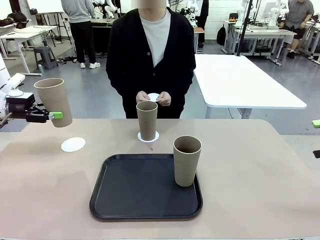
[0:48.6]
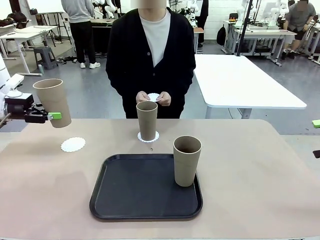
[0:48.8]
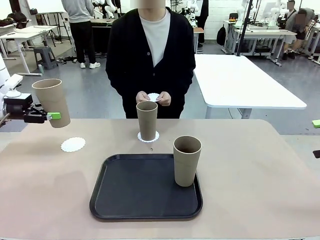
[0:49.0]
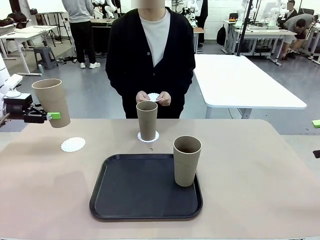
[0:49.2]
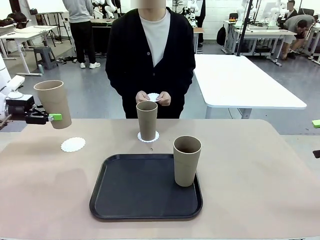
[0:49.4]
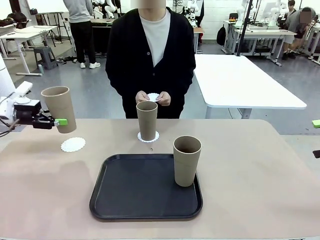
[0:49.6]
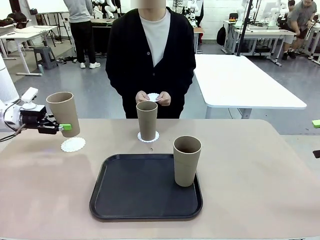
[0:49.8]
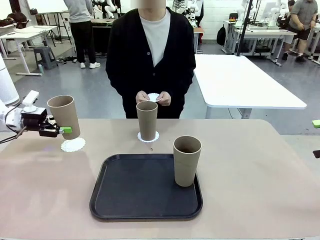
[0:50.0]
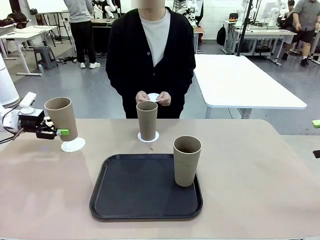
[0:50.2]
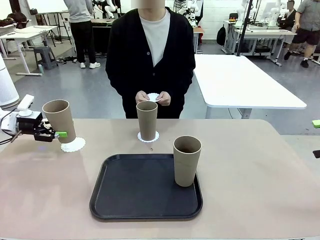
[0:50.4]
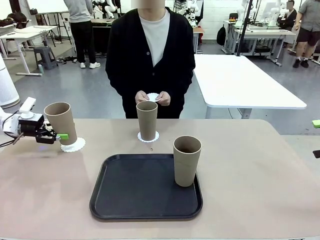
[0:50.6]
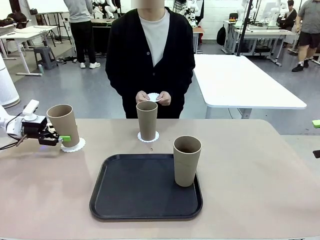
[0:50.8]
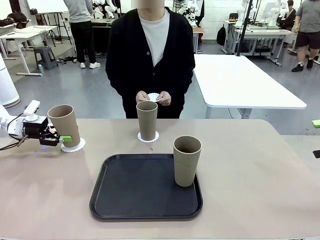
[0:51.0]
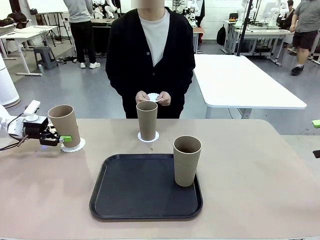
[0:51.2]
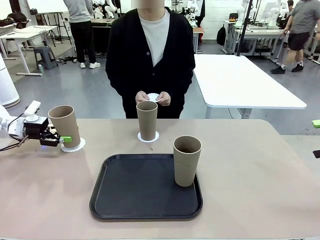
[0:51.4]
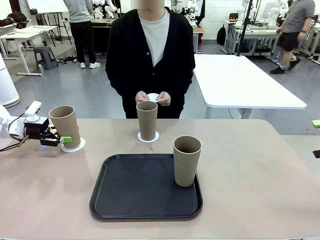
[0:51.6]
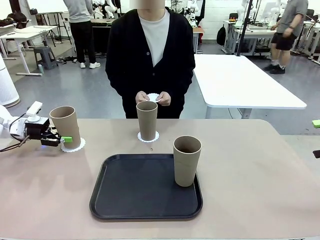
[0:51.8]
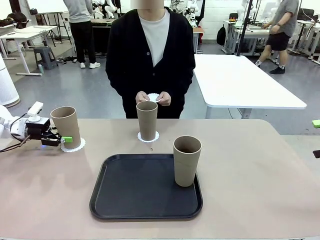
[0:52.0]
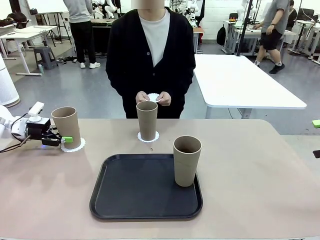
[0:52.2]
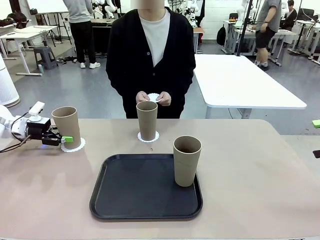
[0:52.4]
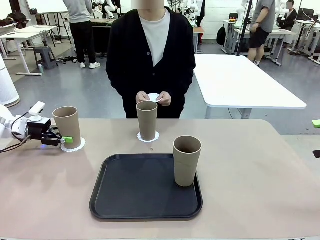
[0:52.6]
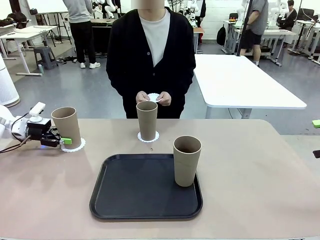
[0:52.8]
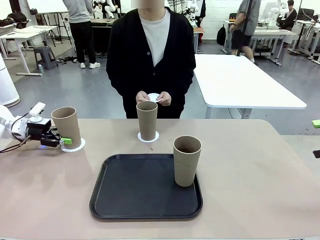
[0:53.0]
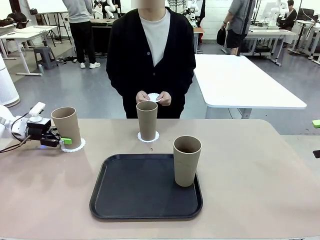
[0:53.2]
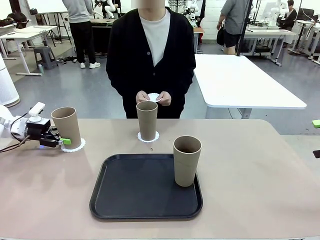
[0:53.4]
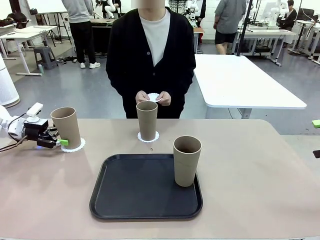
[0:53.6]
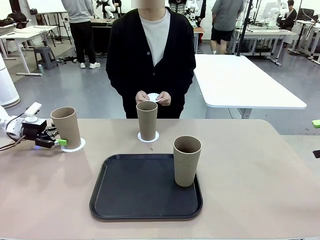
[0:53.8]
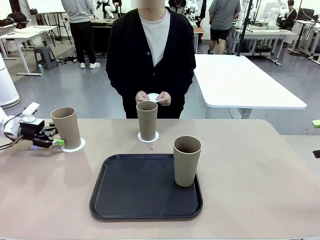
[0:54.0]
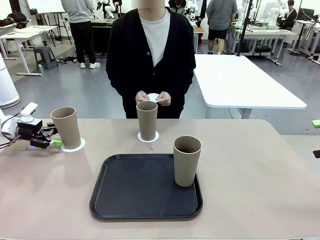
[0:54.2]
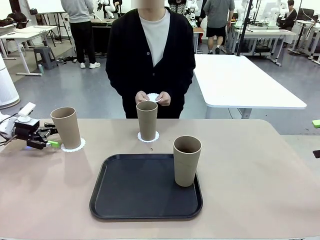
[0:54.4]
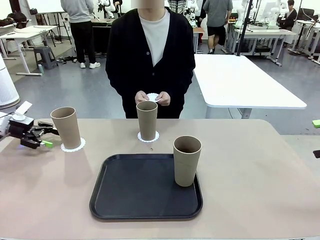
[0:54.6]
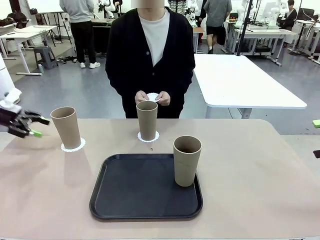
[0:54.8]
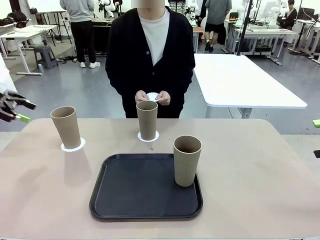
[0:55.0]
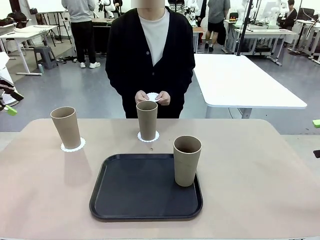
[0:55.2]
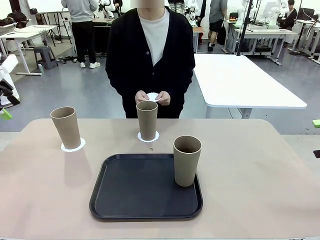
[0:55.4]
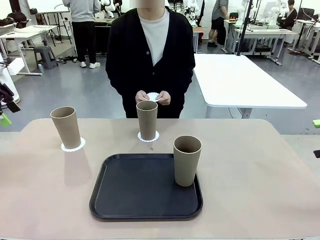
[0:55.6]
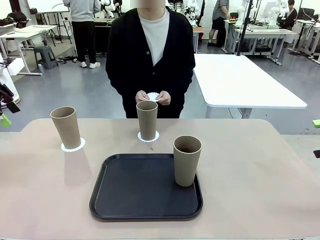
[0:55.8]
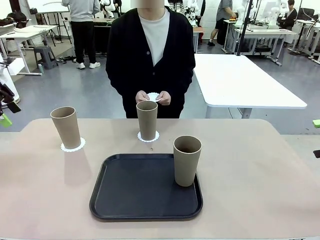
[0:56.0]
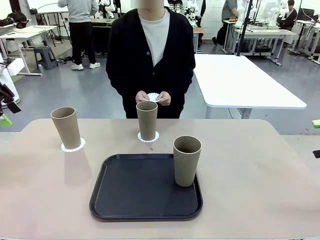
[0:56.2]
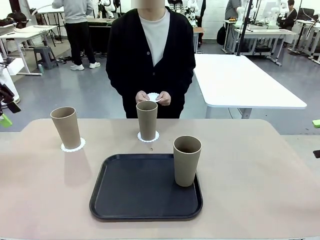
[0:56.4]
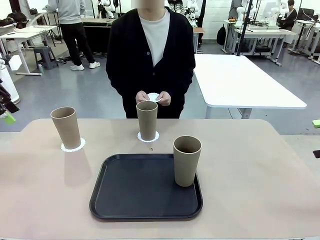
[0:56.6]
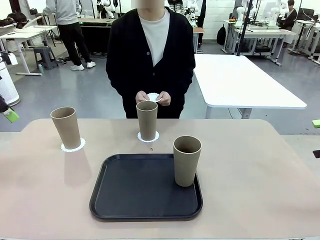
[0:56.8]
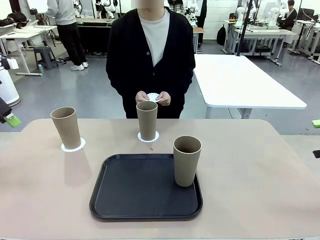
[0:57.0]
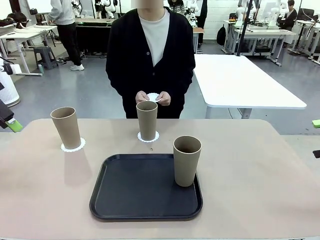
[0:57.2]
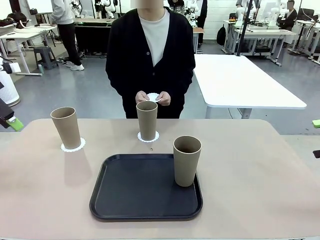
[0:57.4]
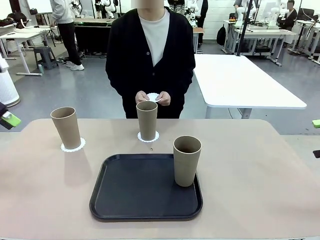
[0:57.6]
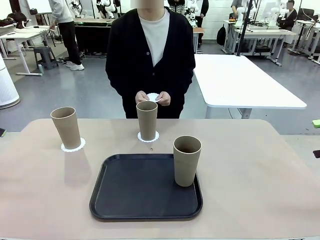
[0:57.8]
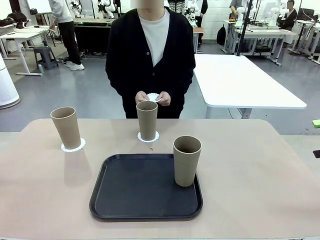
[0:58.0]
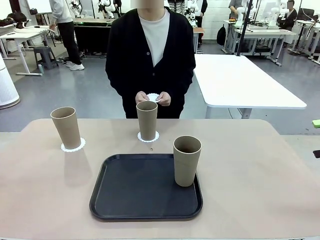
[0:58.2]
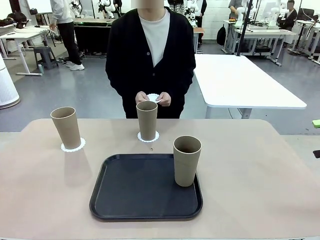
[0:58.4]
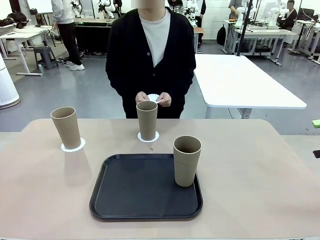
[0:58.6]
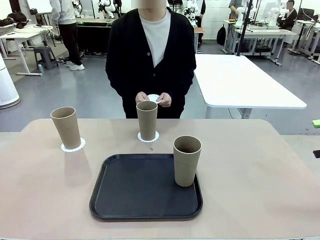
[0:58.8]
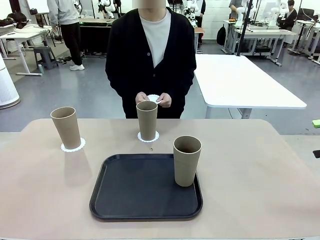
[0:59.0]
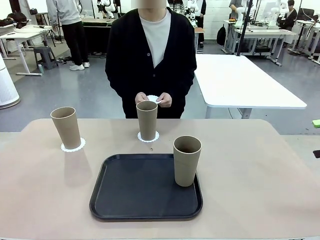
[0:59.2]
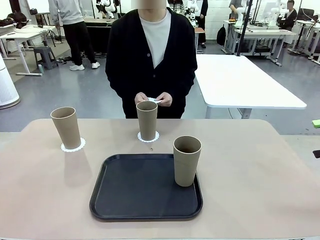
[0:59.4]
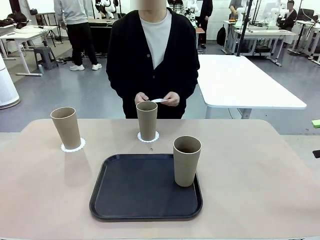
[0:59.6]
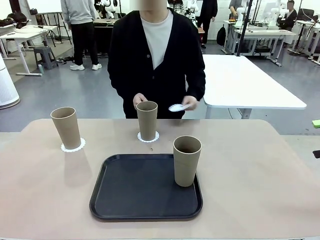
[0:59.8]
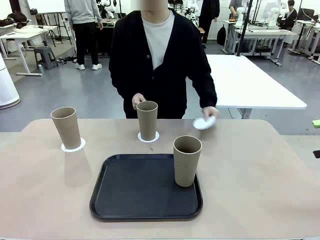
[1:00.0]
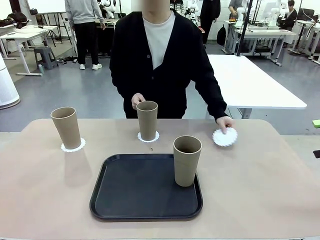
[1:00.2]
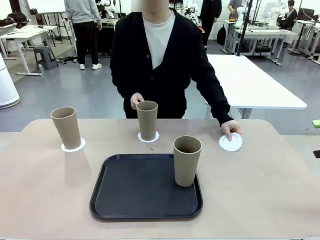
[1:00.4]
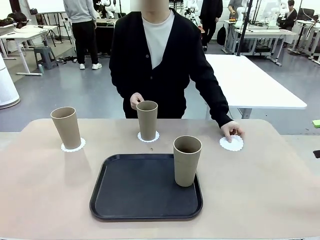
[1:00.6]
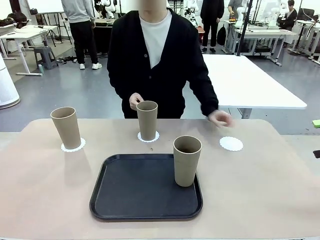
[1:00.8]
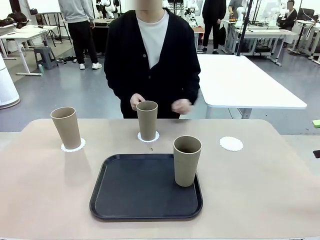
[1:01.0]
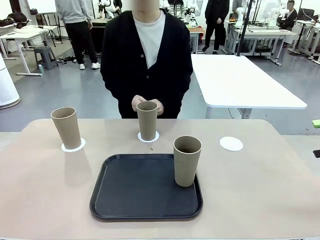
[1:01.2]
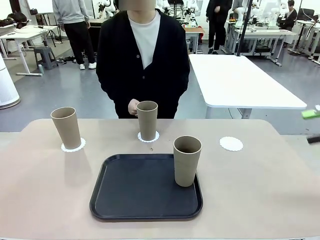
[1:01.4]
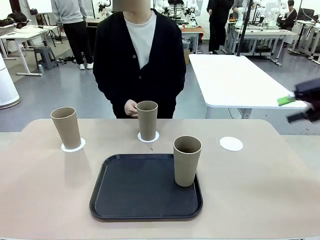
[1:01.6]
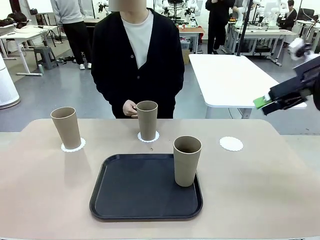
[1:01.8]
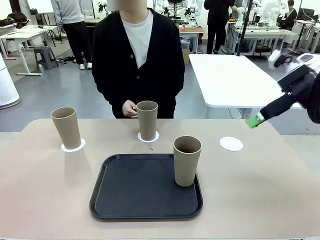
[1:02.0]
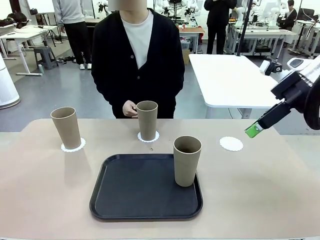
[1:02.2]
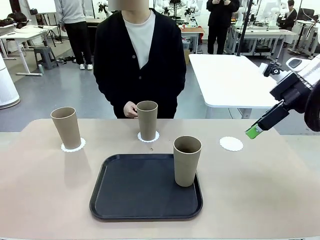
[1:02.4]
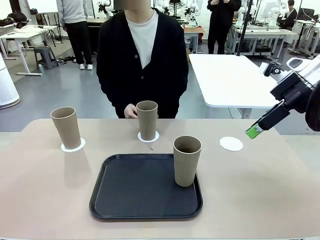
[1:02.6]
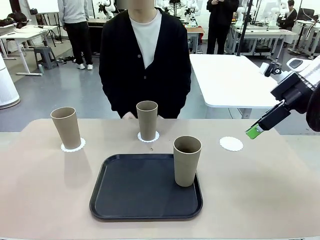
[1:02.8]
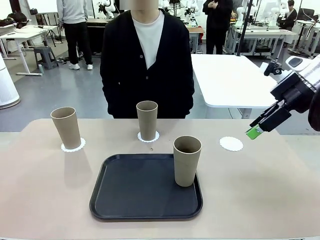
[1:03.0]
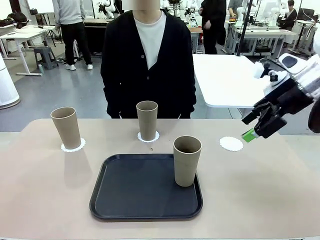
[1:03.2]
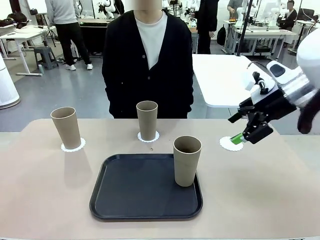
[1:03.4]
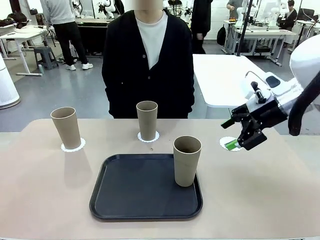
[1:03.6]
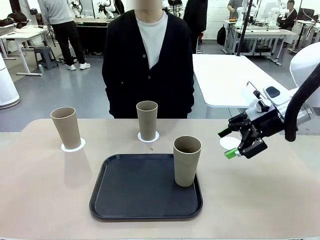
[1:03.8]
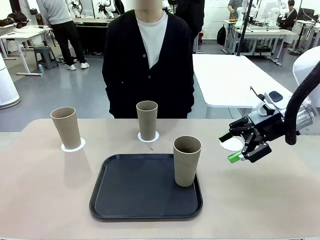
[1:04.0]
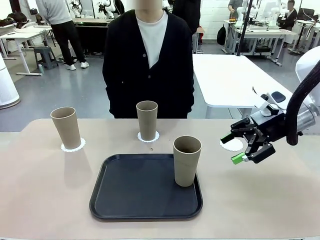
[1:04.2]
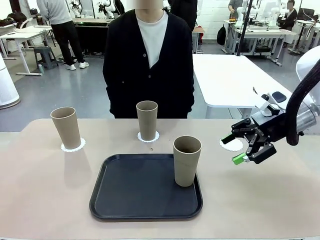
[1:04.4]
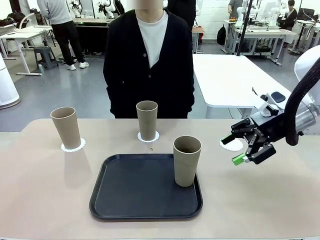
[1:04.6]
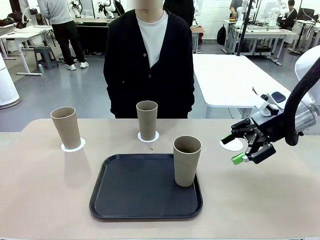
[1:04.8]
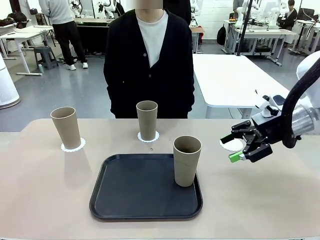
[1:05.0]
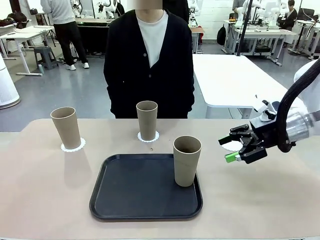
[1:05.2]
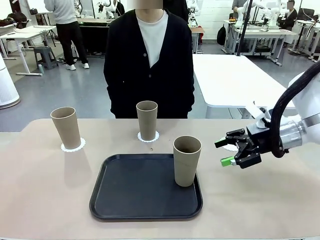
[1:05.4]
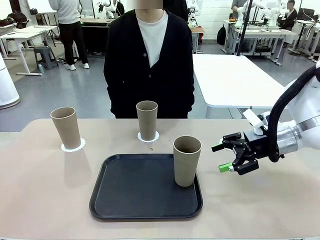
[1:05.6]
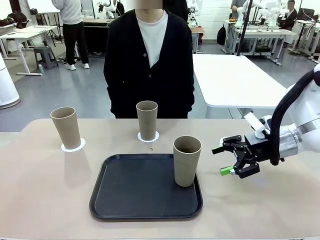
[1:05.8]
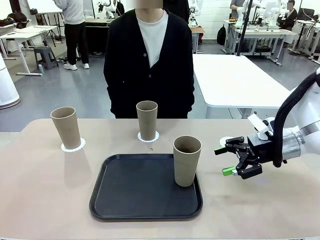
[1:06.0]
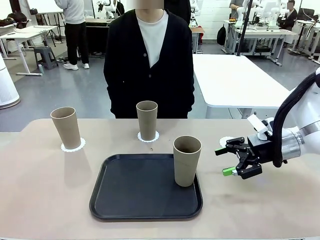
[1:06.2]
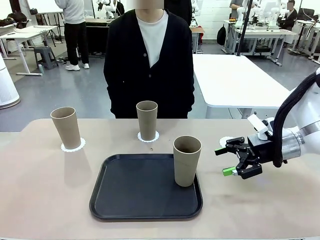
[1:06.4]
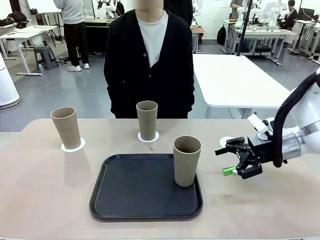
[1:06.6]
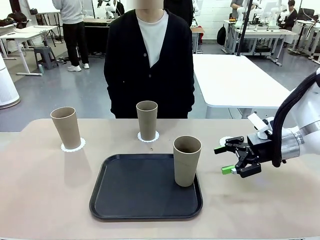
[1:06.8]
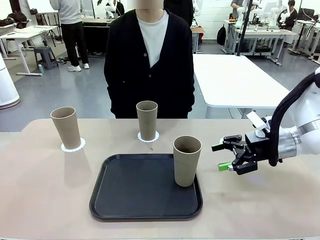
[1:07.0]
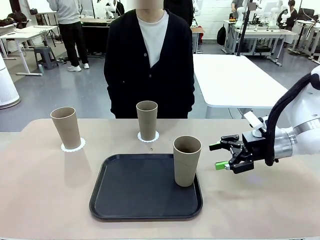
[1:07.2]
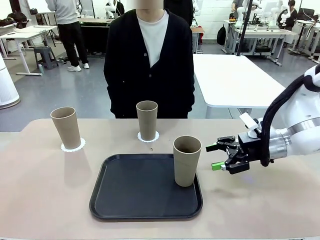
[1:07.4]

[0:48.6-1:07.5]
Task: Place coasters on the table and set cups on them.
Robot: Take one Reusable plastic cup from the Flat Tray and place it on a coaster set by the human.
